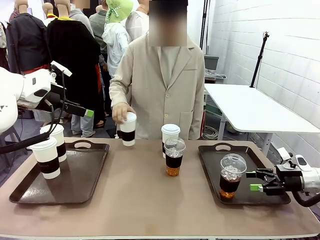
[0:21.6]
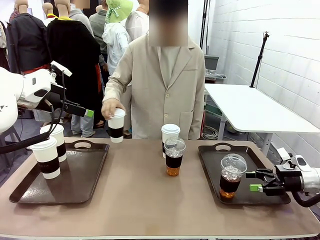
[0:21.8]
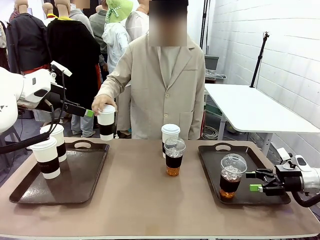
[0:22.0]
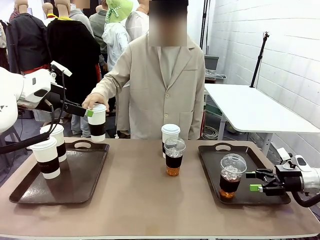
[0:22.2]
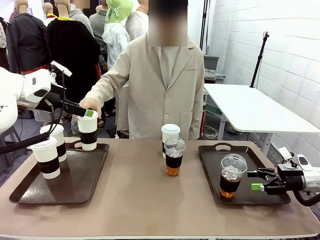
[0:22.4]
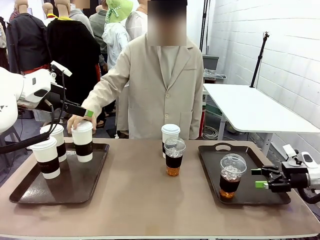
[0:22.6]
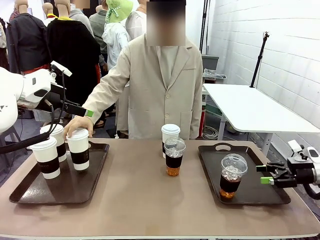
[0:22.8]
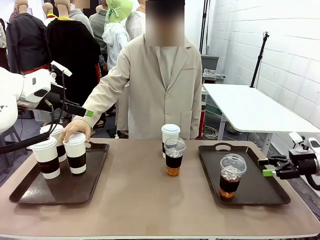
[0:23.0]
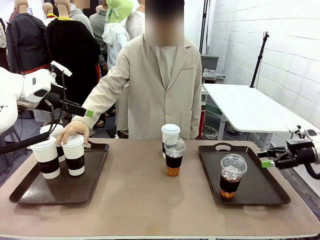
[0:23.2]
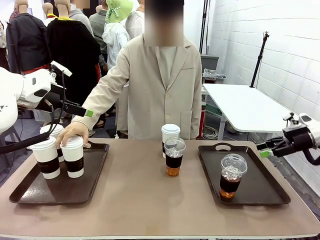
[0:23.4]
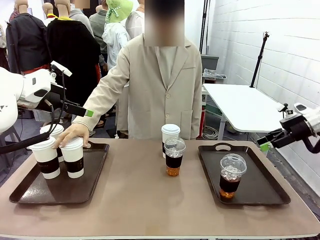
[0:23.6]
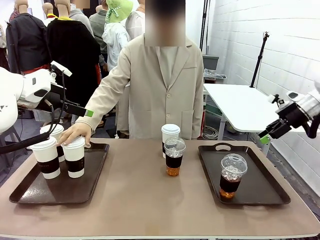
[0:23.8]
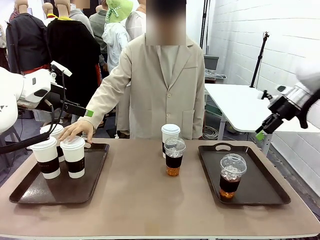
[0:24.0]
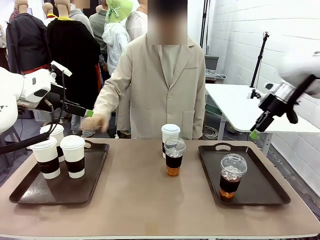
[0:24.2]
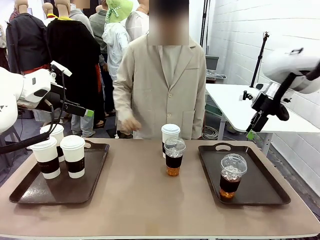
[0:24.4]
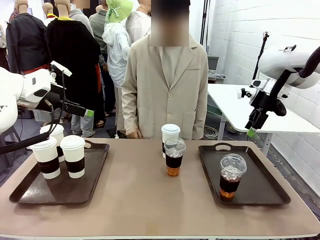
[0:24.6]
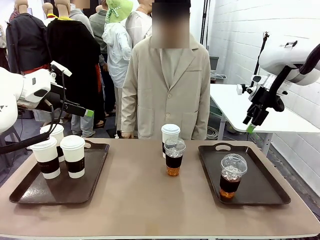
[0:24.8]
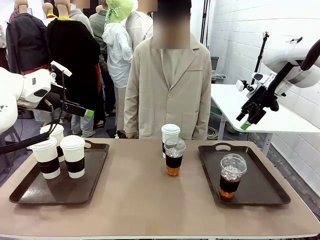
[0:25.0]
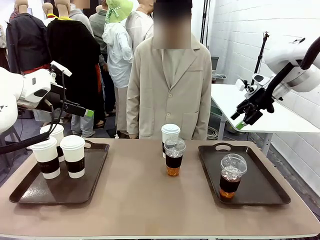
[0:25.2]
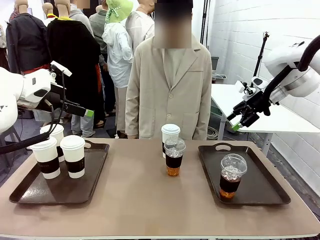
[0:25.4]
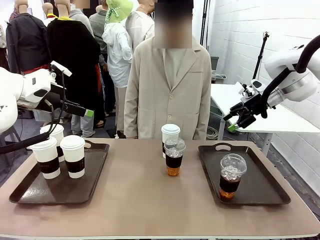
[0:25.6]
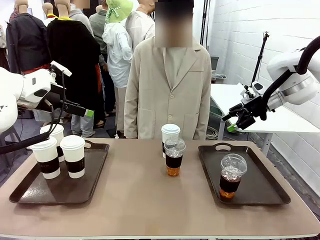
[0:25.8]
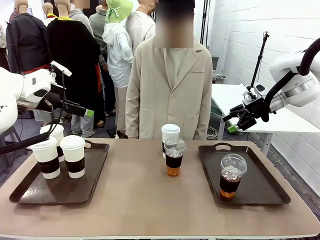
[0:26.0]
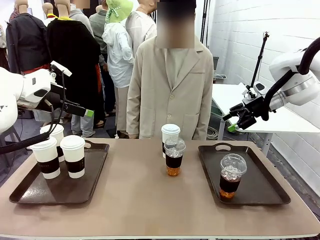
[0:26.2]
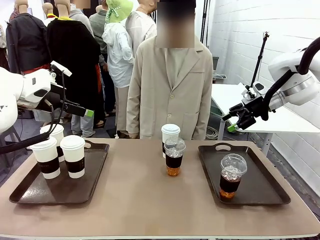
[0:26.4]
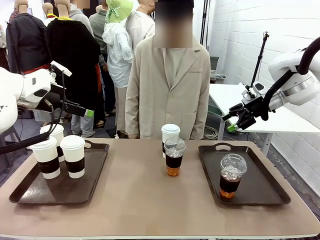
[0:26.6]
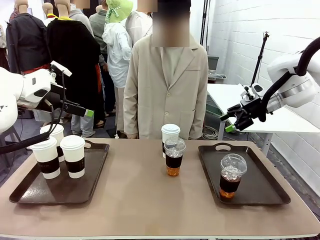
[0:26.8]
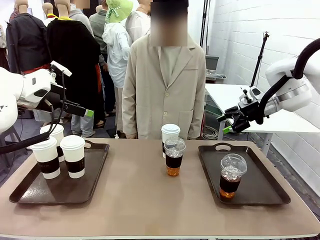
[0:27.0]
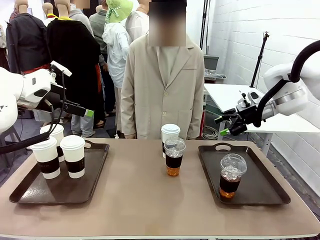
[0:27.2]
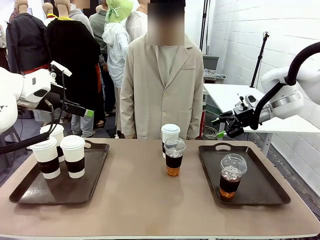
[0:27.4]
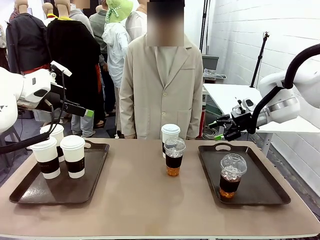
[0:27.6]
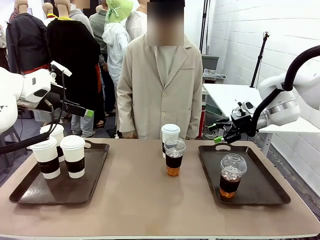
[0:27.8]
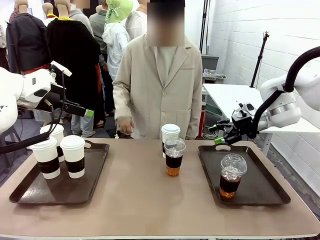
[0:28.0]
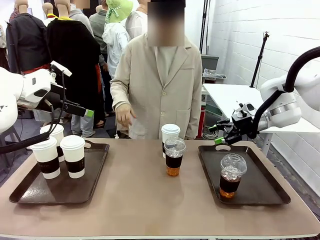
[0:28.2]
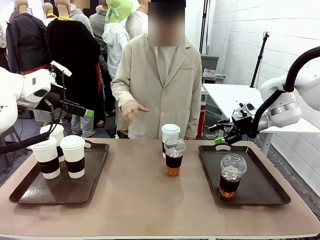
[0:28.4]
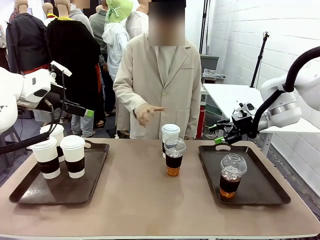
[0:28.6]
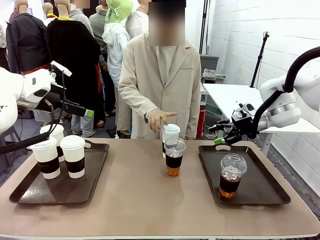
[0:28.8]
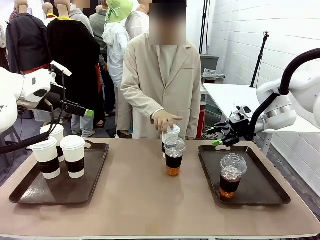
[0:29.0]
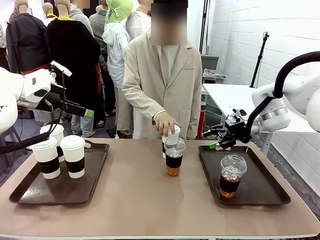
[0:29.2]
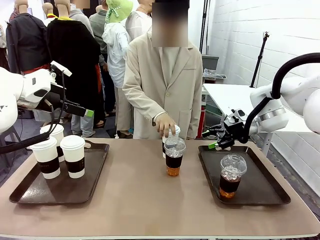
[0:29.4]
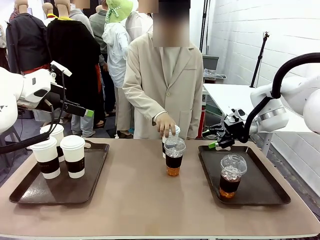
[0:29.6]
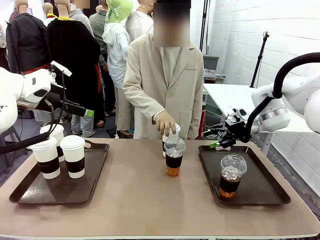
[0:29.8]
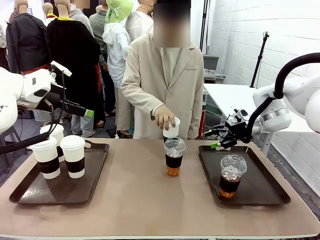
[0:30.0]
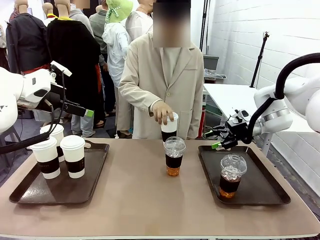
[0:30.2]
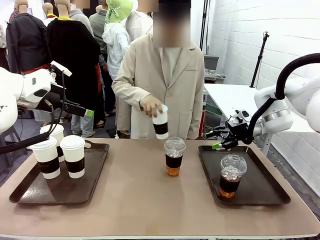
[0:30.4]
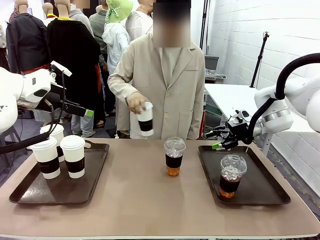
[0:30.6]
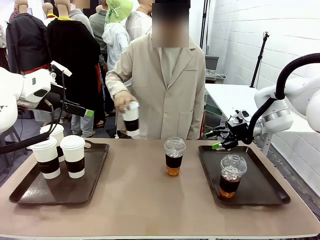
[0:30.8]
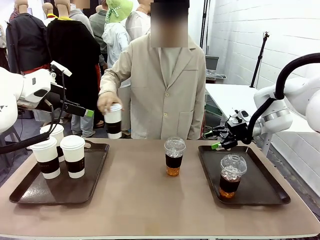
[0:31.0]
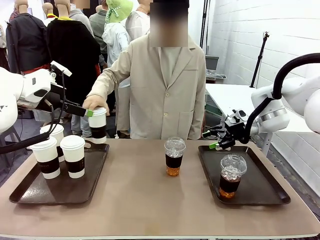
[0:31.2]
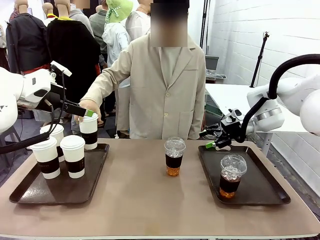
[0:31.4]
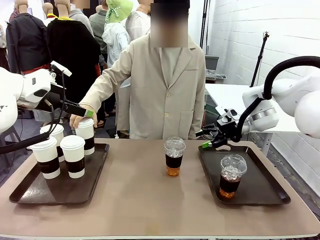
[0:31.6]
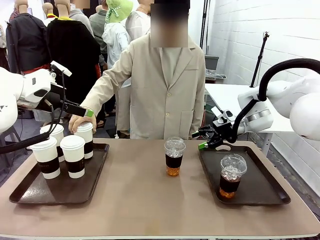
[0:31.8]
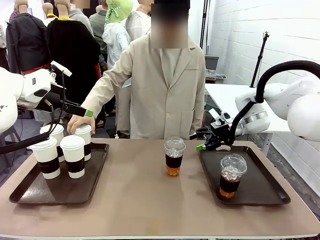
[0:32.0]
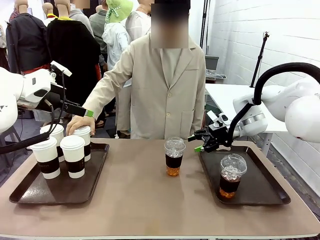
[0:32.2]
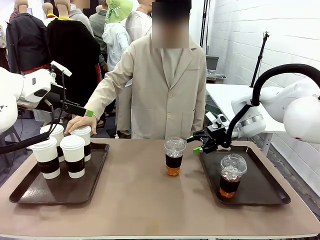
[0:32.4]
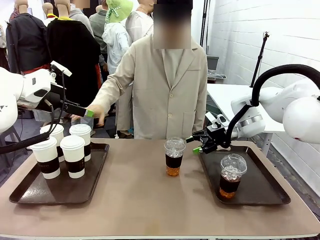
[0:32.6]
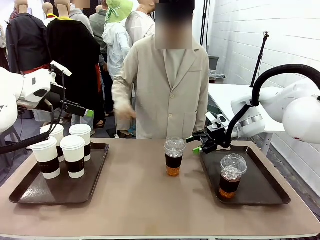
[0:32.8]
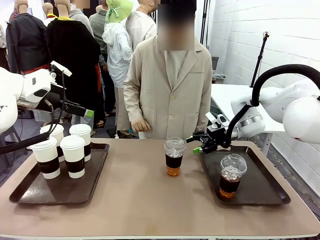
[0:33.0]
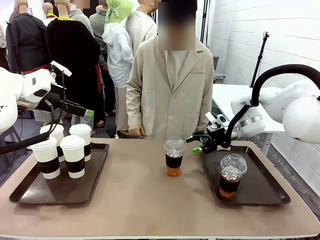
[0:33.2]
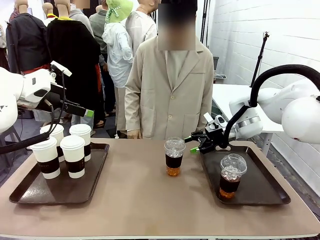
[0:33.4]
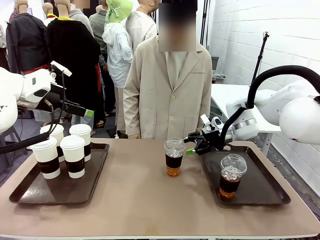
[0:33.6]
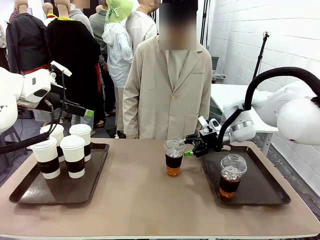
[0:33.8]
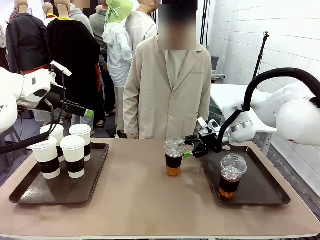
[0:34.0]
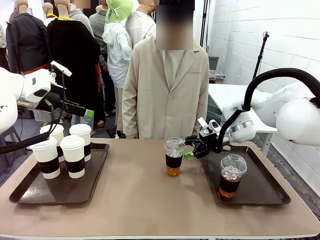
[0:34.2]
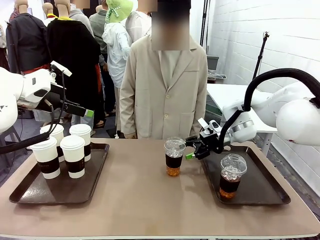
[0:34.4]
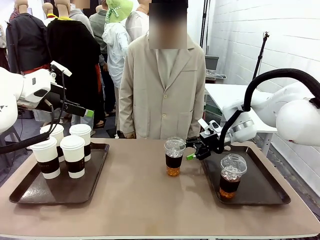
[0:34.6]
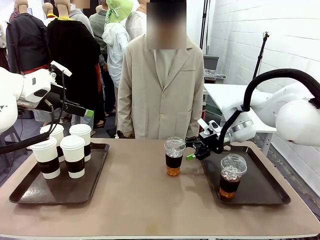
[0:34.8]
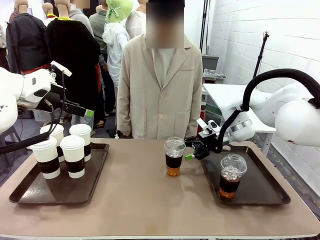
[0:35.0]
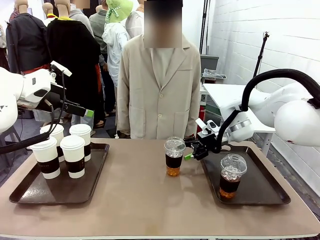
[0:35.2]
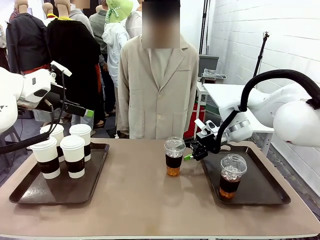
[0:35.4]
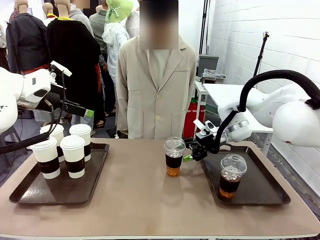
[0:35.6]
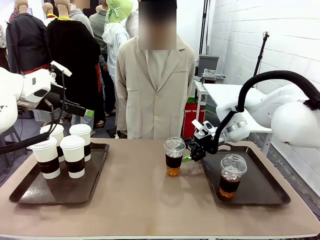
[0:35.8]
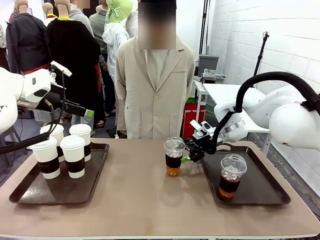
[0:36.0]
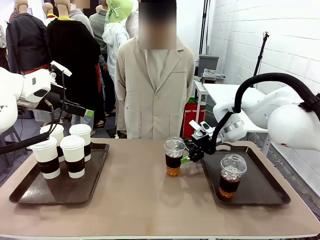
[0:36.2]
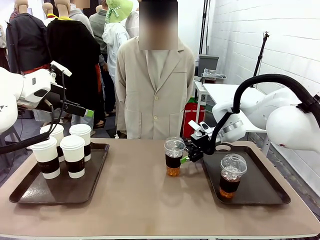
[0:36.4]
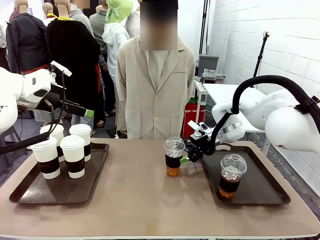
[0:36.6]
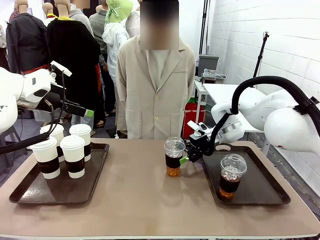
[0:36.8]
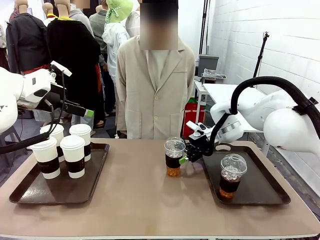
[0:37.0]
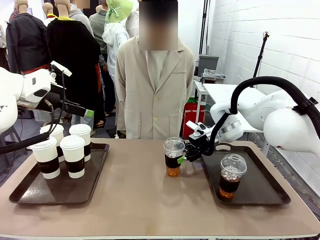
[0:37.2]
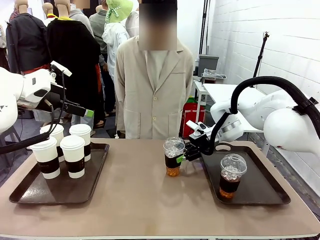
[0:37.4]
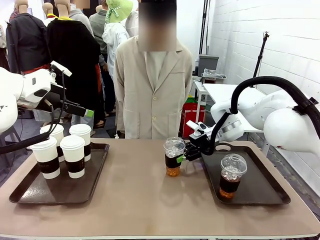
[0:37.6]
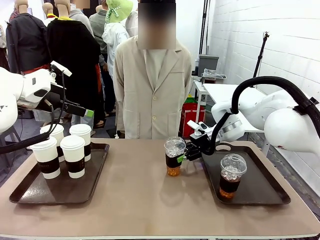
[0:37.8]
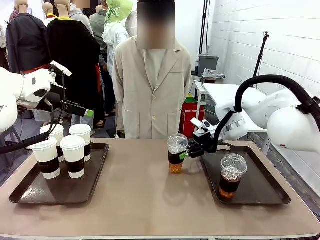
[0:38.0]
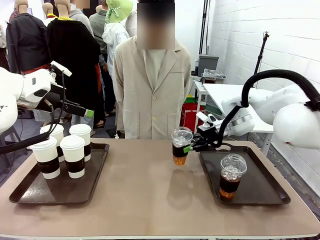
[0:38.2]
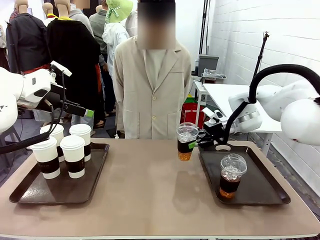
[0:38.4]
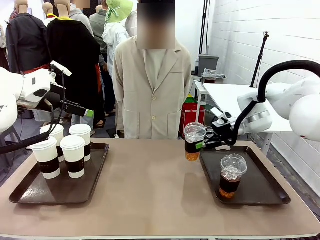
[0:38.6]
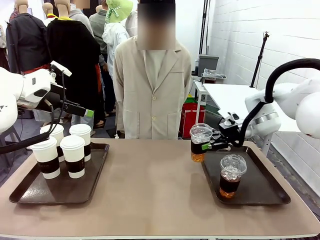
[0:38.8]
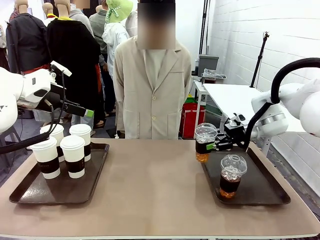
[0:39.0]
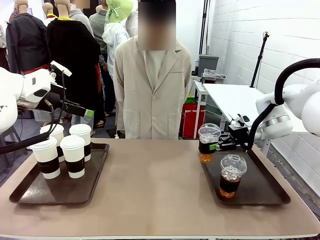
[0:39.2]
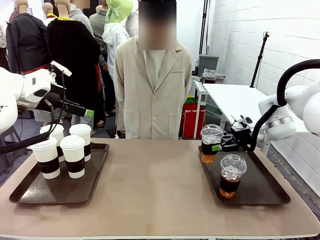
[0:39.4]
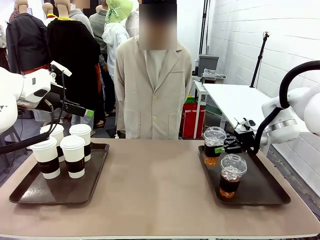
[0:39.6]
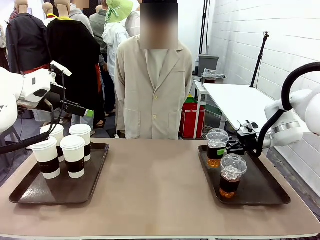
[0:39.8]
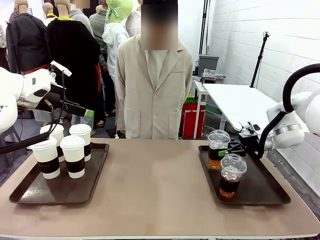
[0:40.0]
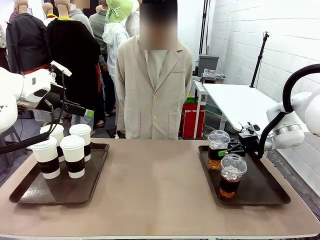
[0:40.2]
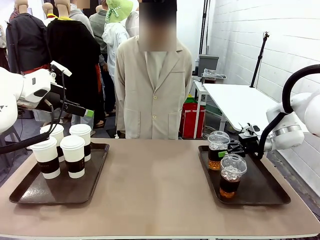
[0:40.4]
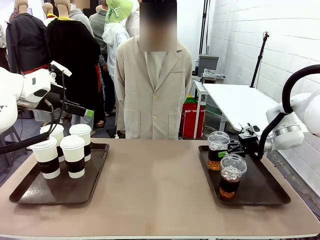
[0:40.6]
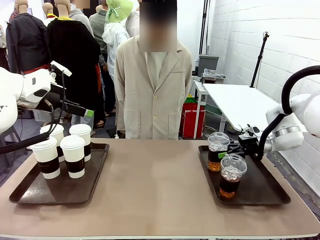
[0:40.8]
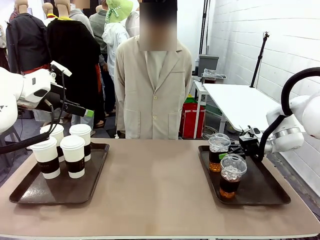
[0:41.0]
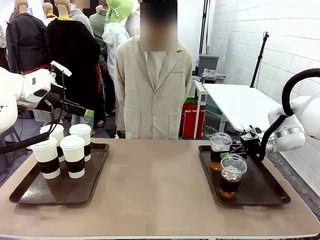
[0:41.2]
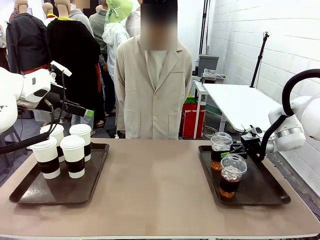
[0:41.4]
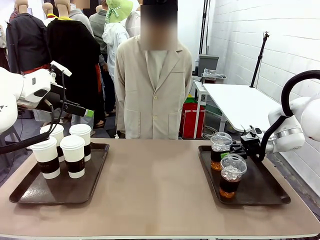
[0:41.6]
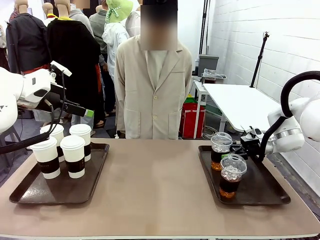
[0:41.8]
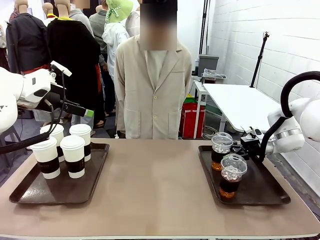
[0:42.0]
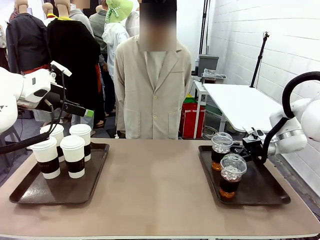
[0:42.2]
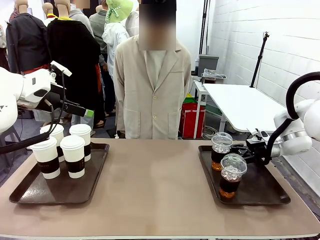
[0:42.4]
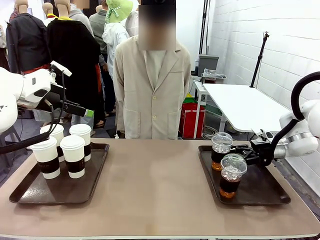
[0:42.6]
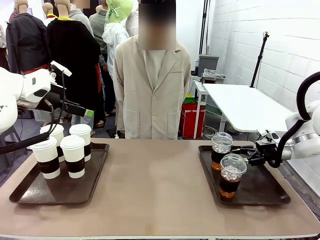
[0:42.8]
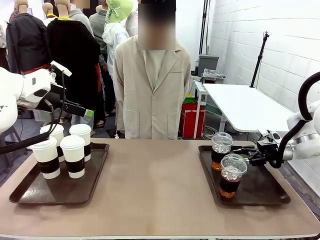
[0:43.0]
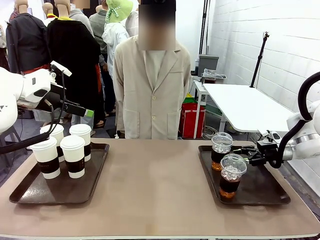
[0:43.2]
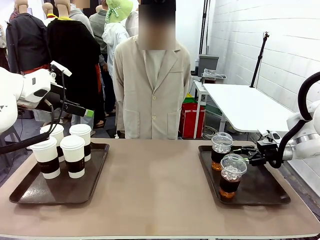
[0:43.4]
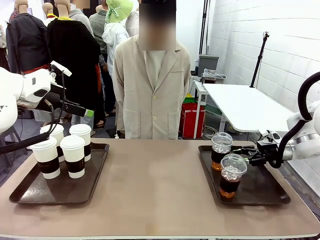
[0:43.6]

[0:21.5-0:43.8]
Task: Distribute the coffee onto the tray.
Robot: Pick up another iced Americano from the middle of the table and place it on the right Handle tray.
Person: Pick up a cup of hot Americano from the middle of the table and place it on the right tray.
